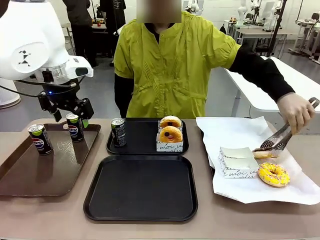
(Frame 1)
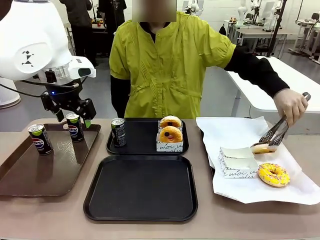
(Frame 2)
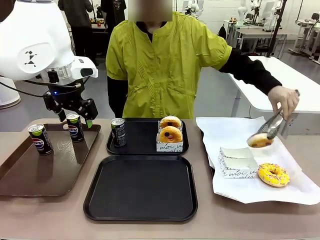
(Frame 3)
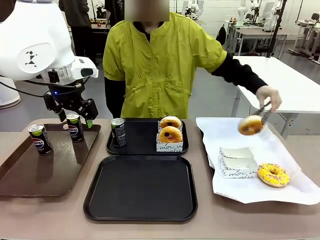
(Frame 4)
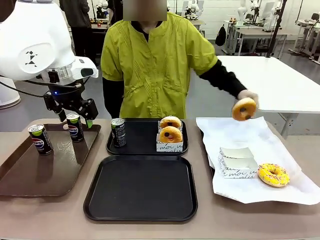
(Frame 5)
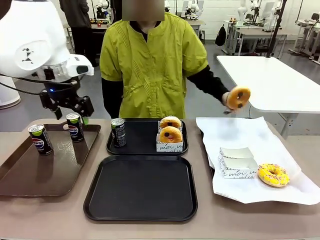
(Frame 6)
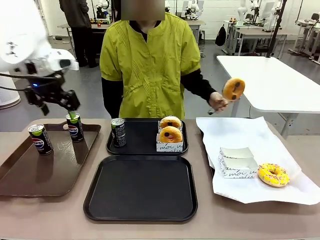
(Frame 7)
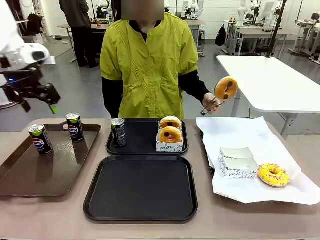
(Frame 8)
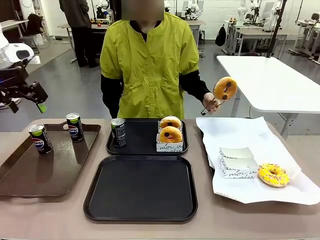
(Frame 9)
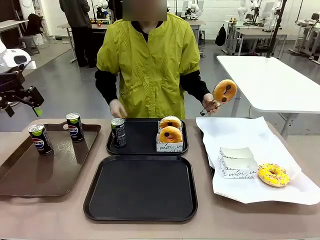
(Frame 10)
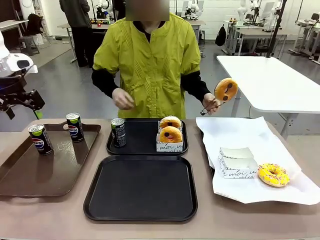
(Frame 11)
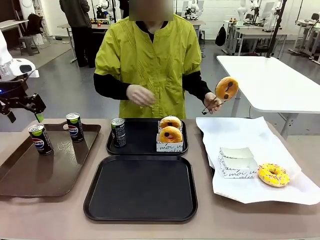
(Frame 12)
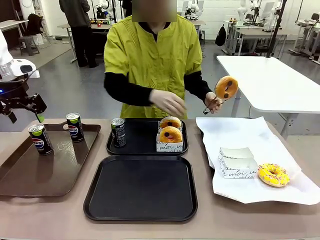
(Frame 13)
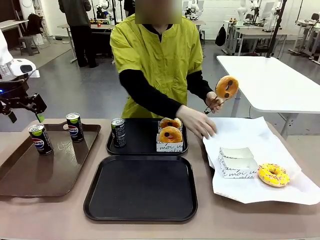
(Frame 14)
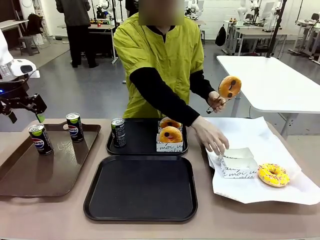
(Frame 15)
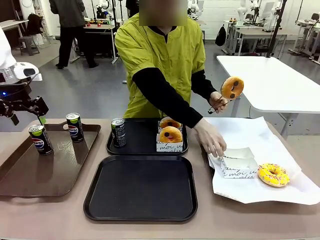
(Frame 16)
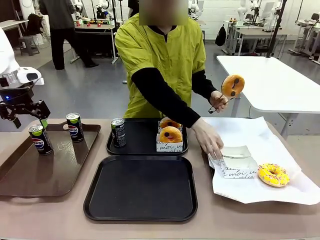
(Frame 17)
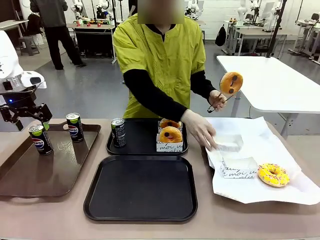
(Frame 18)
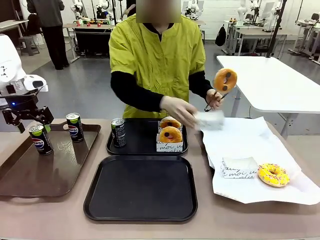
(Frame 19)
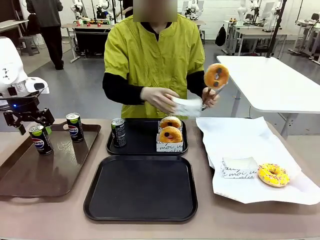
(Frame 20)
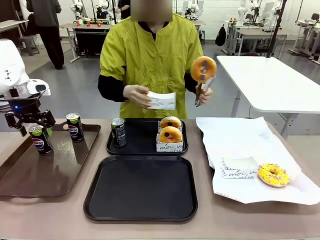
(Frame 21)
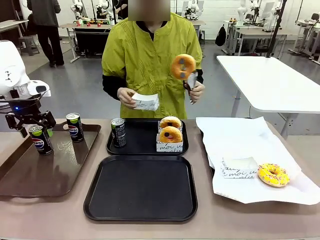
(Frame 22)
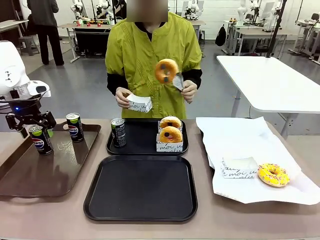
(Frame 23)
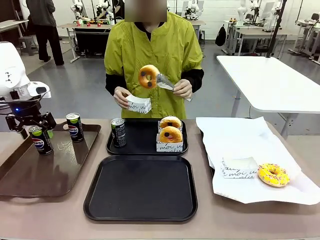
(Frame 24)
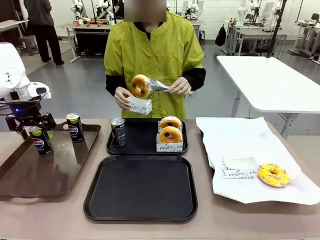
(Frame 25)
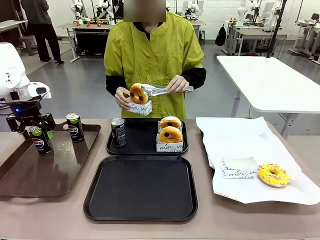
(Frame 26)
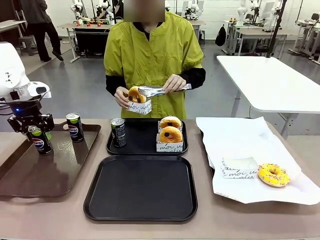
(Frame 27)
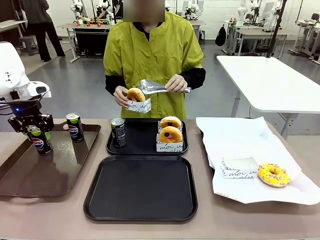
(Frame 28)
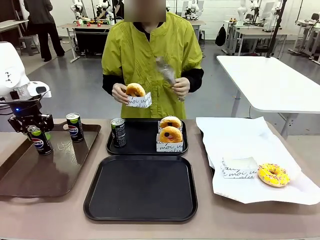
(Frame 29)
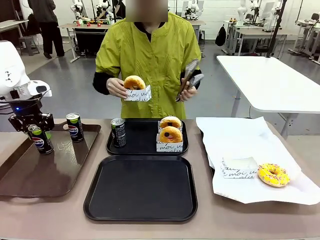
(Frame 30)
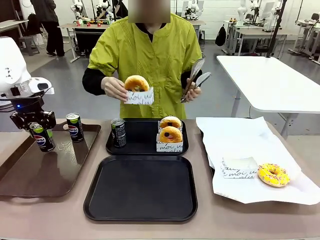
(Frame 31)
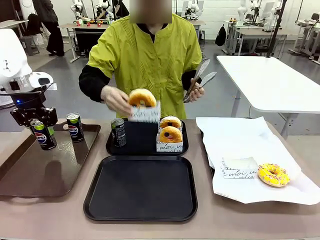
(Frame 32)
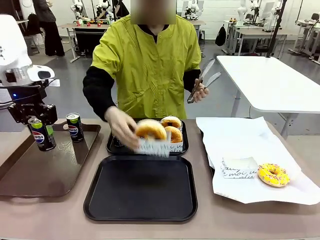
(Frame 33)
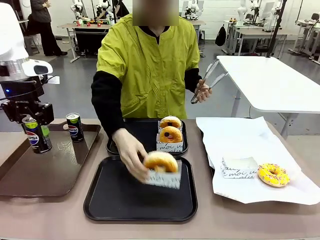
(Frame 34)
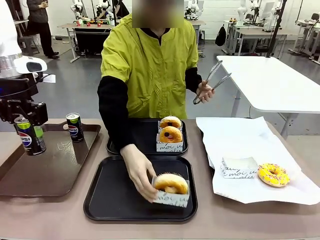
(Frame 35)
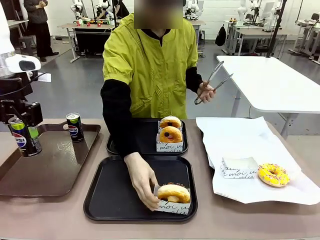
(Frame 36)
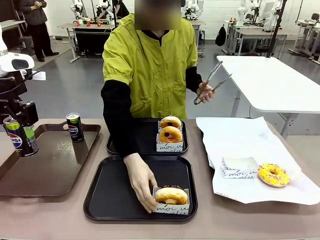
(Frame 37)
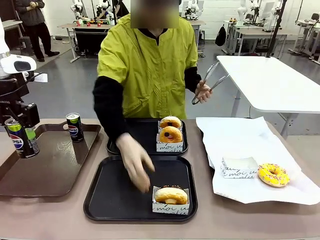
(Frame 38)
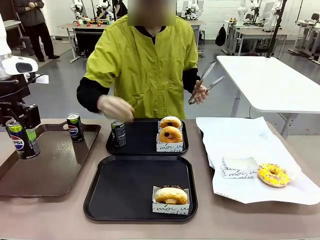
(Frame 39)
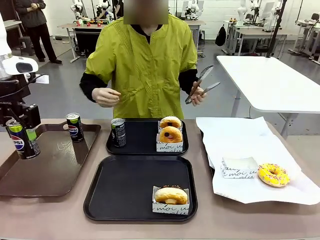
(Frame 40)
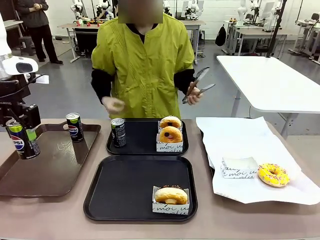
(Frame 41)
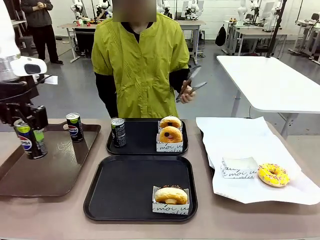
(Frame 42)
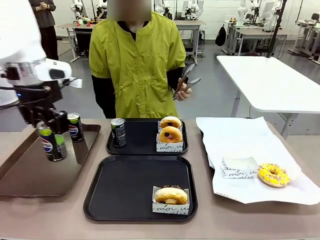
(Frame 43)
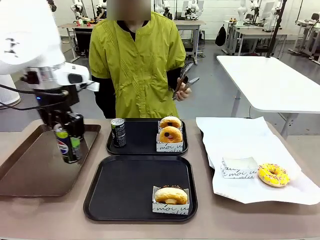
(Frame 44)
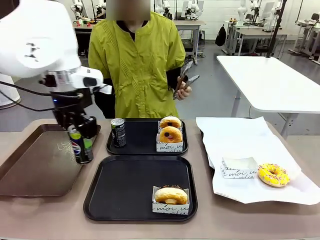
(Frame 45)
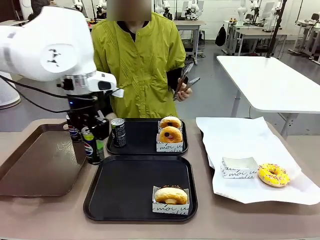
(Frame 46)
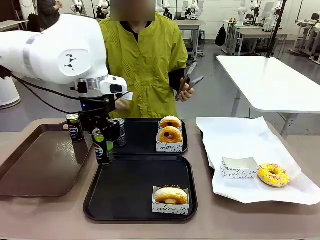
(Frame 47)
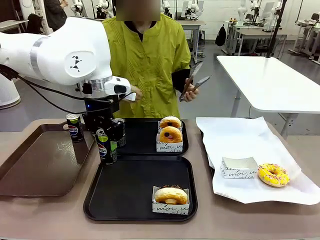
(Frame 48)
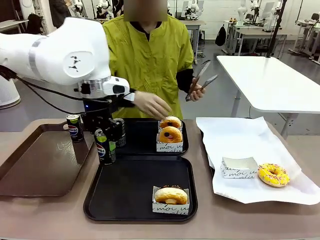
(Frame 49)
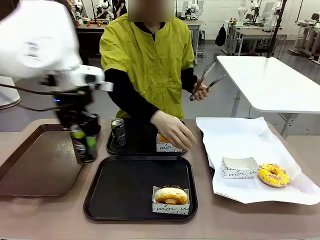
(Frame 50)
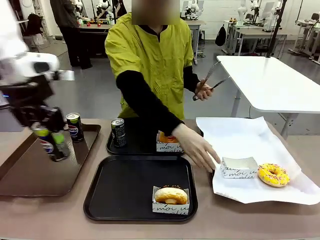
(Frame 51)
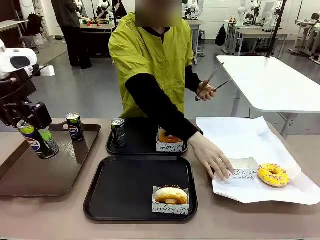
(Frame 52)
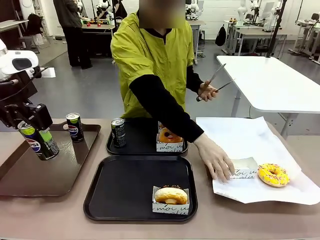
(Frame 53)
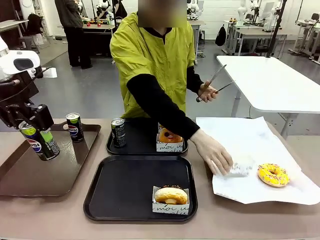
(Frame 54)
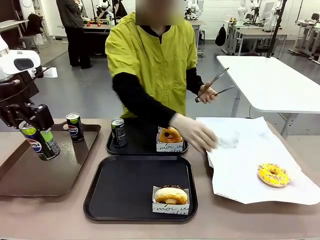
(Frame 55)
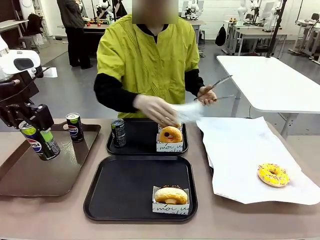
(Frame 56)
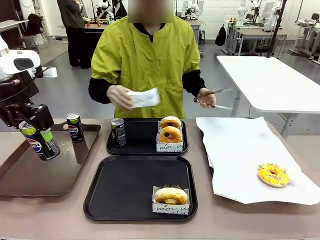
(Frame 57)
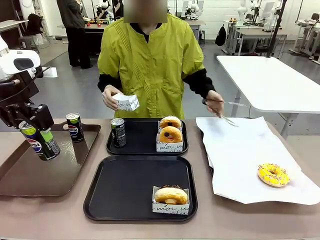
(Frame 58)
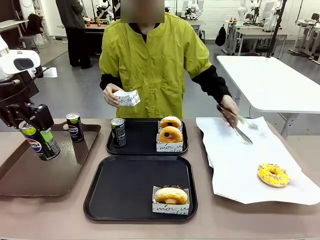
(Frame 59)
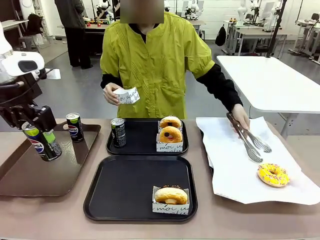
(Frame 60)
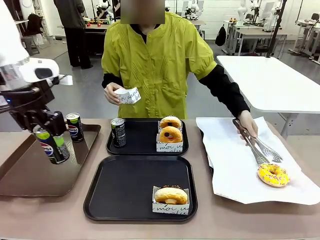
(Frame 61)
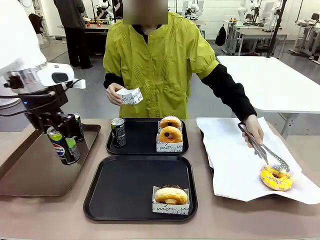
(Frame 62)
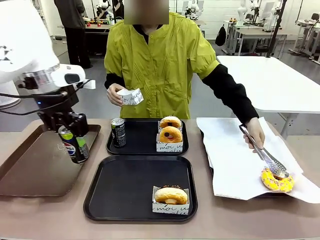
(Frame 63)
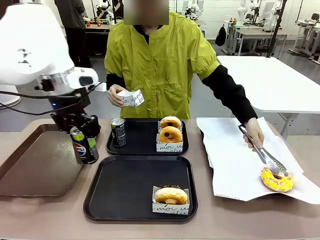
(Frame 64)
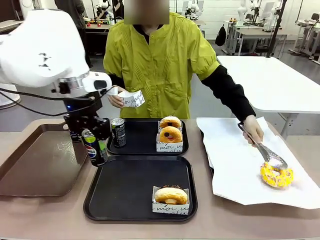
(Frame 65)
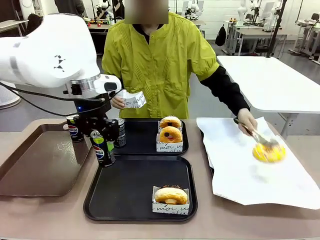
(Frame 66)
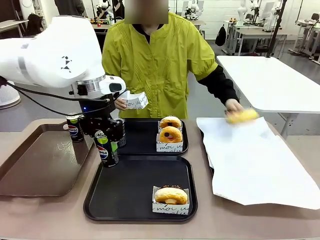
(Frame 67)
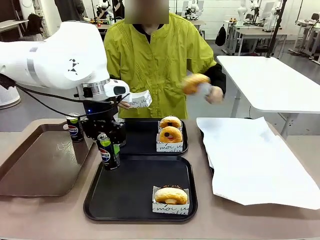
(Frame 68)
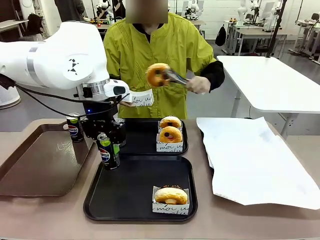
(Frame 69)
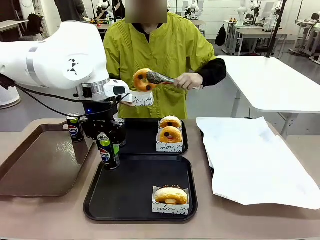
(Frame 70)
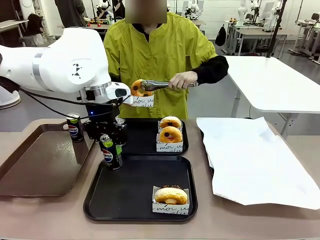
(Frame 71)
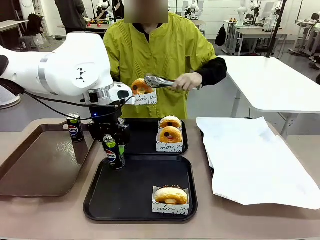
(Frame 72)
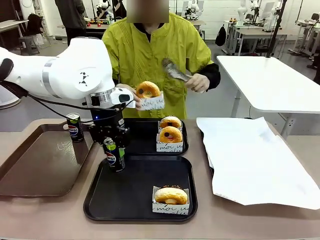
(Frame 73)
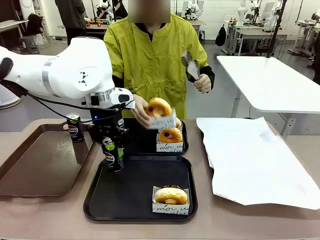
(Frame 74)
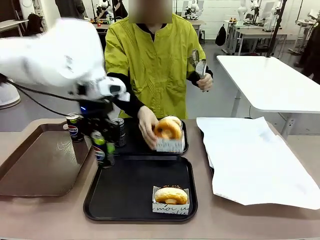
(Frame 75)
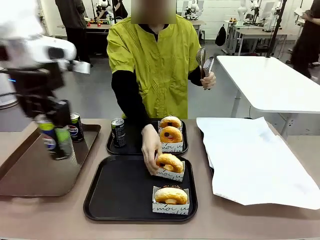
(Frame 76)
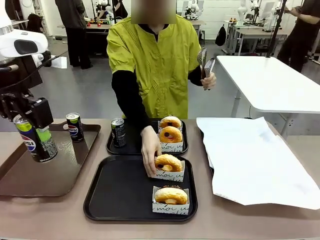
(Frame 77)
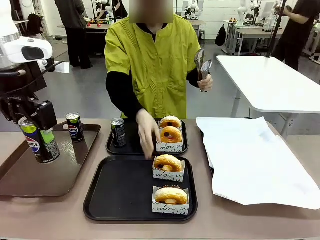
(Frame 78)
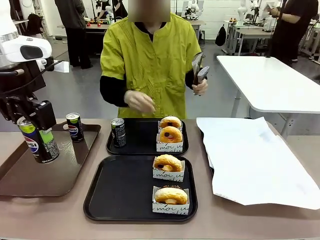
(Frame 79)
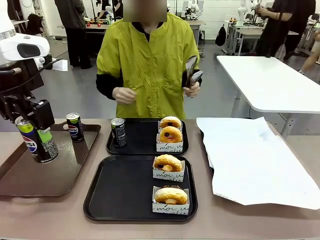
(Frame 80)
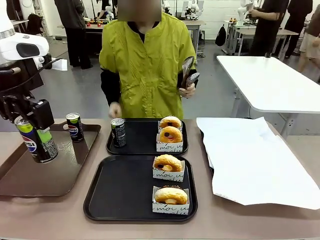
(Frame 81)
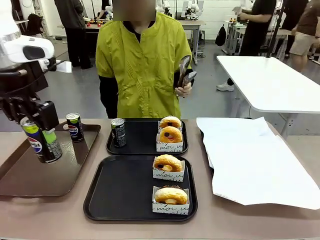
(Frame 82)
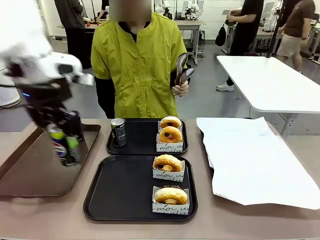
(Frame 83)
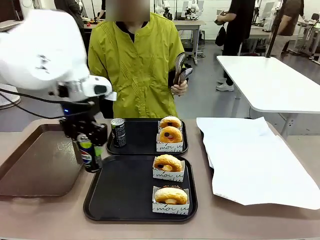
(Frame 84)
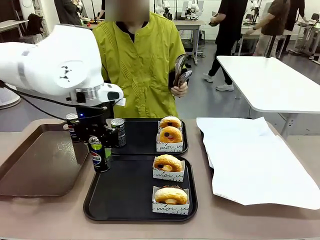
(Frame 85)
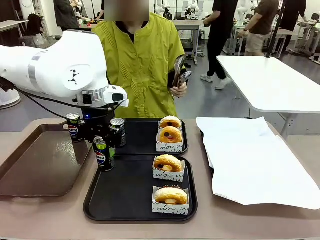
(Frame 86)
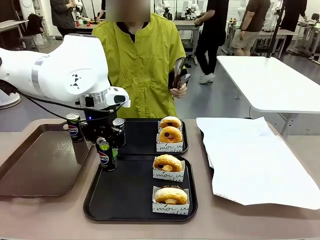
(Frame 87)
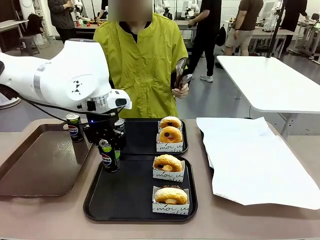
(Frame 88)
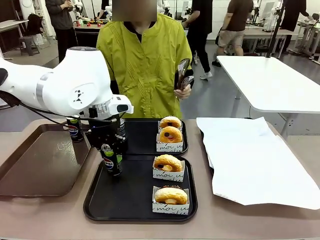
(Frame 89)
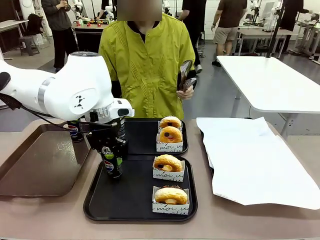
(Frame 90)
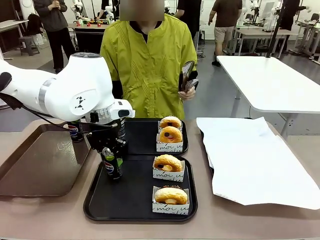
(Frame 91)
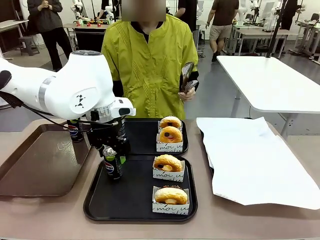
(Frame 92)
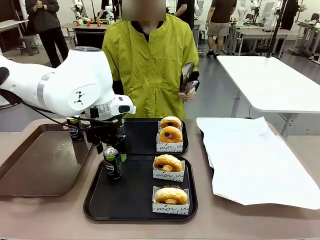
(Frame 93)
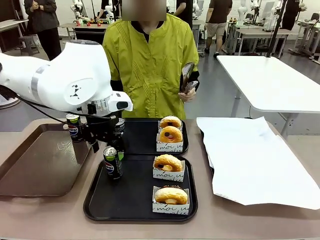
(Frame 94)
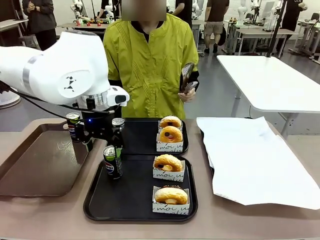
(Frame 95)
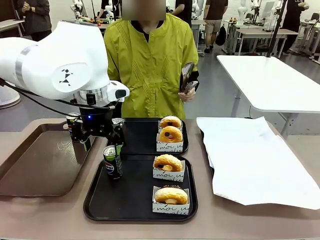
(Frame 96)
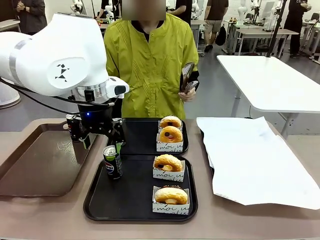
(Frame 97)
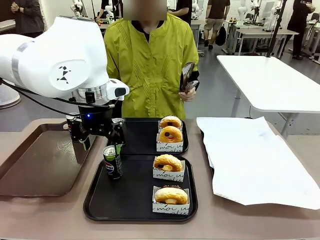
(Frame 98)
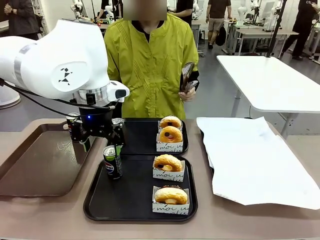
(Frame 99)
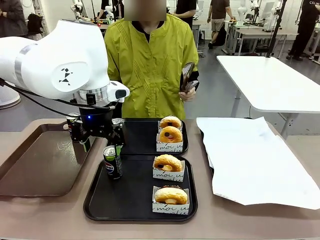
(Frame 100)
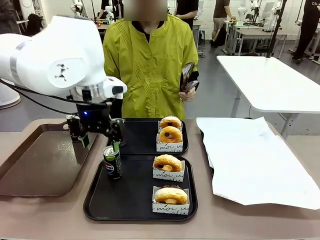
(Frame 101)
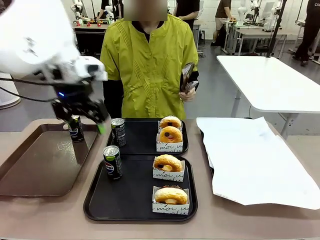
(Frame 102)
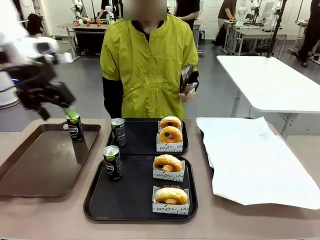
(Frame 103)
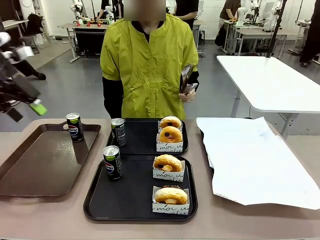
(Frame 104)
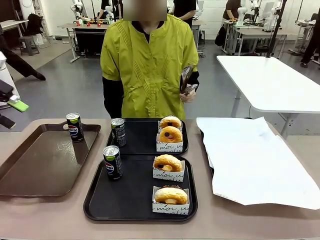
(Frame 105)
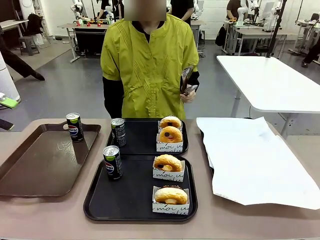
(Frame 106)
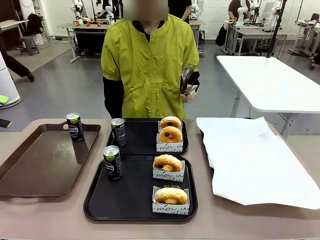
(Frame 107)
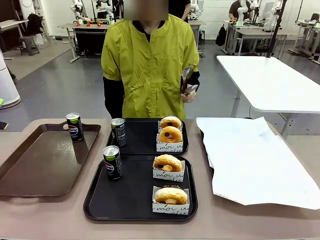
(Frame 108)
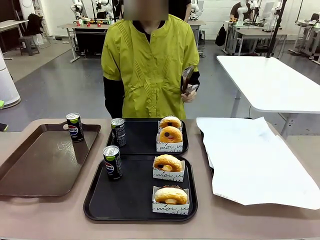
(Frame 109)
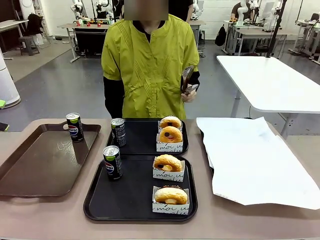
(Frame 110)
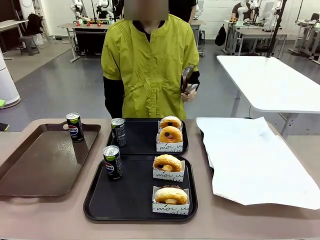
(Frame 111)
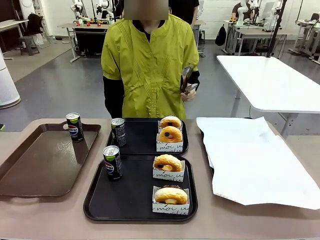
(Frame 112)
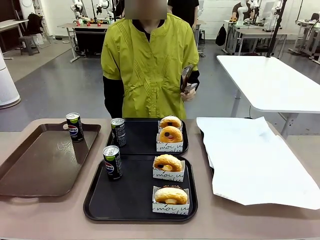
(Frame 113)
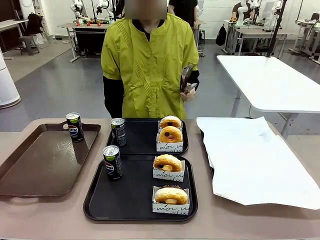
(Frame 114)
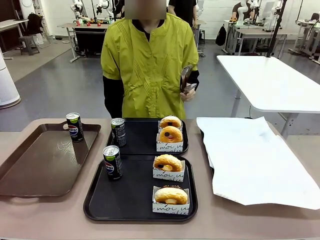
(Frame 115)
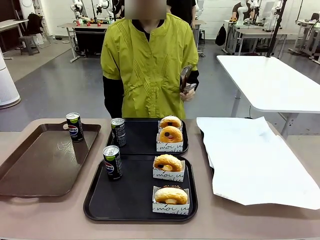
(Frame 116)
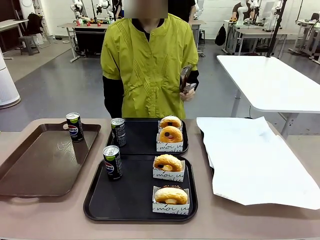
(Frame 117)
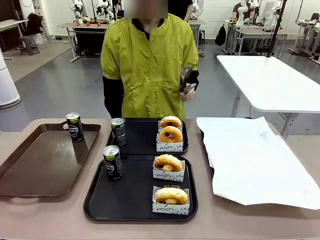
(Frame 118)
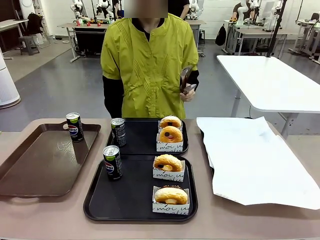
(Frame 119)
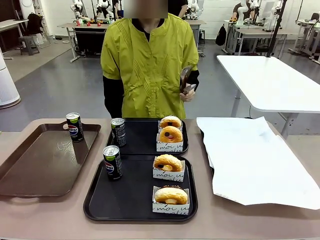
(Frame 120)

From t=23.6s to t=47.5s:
Task: Set up donuts and drinks on trays.
Robot: Pick up one Pepsi coke from the Handle tray and place it on the Flat Tray without a Pepsi coke.
Person: Pick up one donut with tongs, place it in the donut tray, and then place the donut tray on the flat tray.
